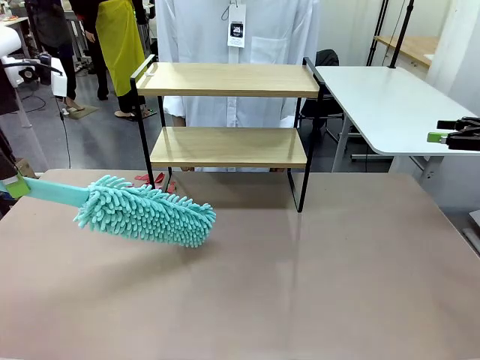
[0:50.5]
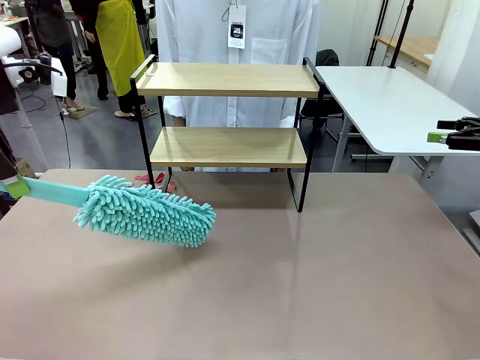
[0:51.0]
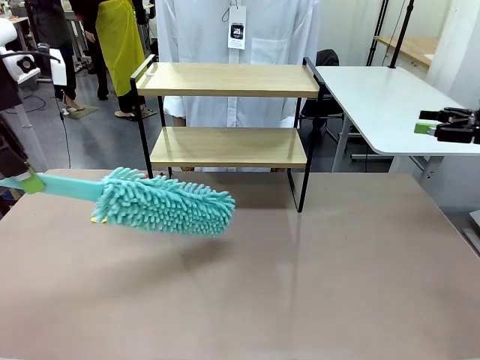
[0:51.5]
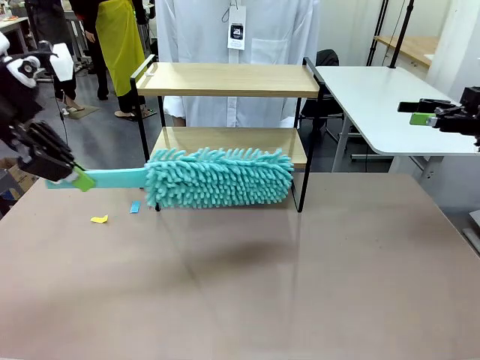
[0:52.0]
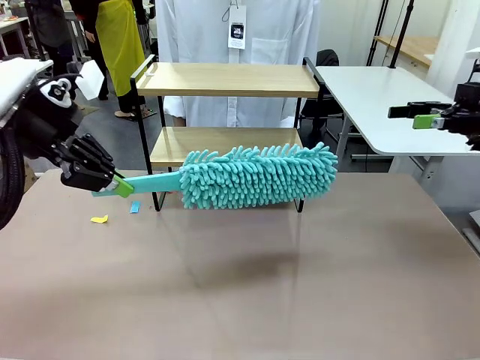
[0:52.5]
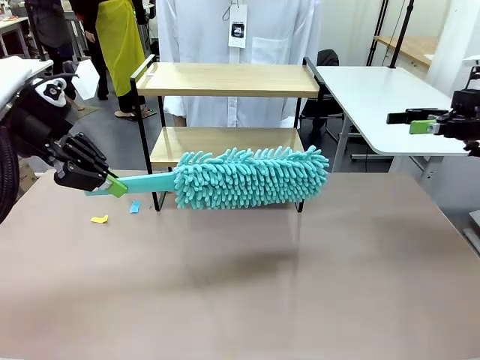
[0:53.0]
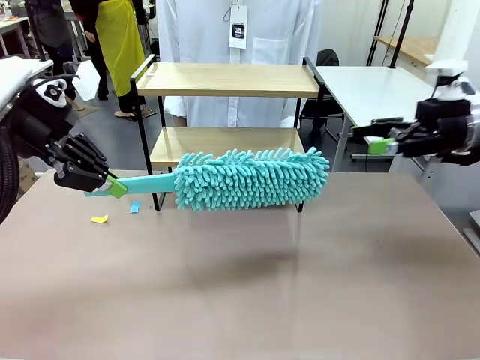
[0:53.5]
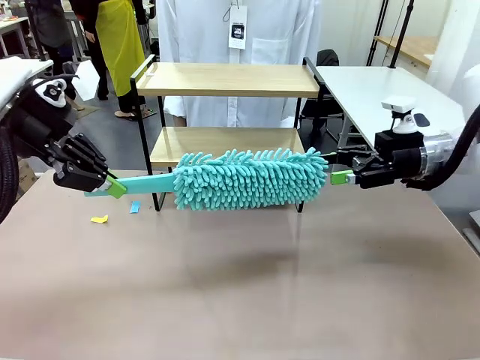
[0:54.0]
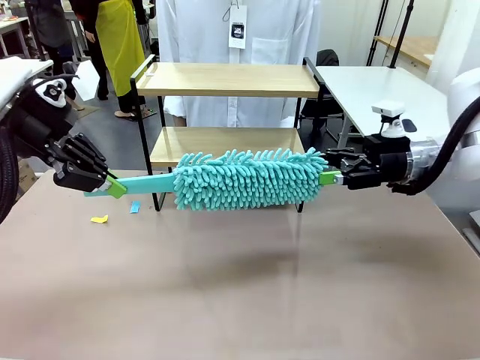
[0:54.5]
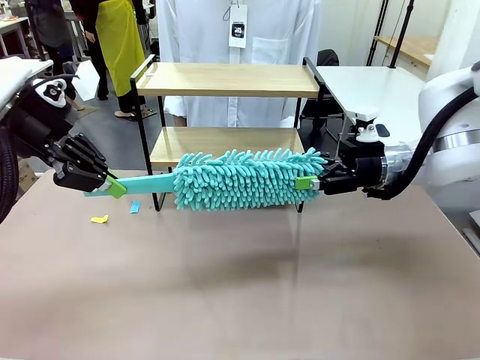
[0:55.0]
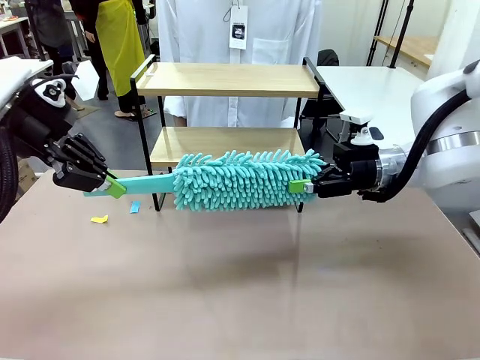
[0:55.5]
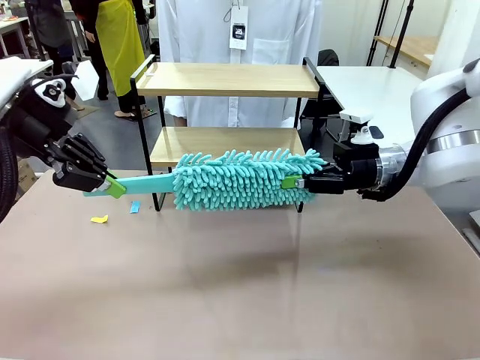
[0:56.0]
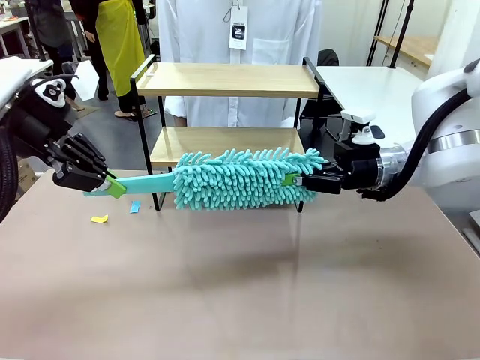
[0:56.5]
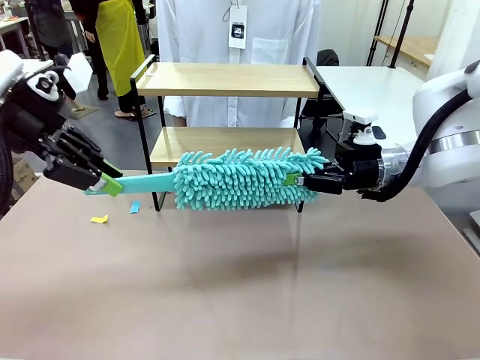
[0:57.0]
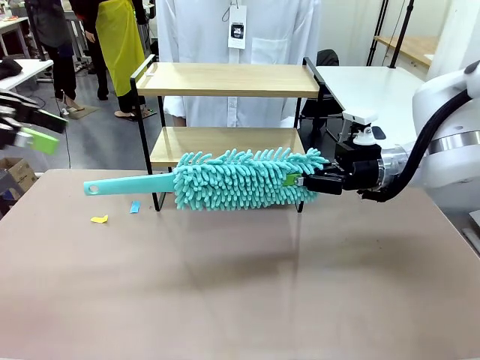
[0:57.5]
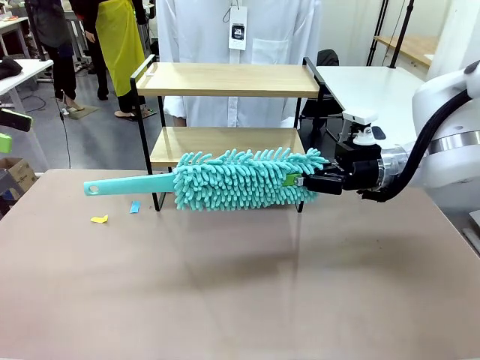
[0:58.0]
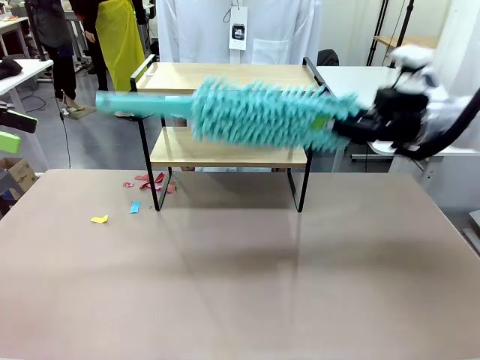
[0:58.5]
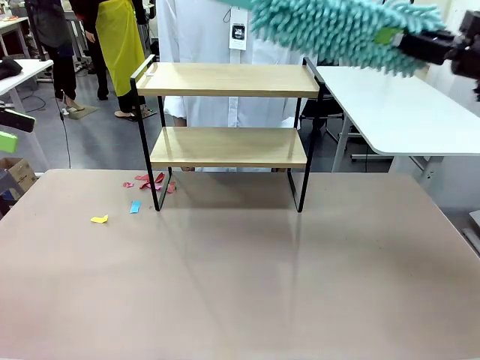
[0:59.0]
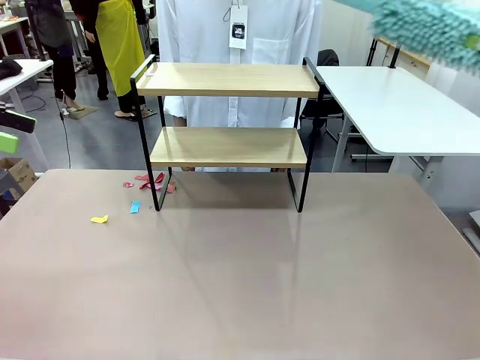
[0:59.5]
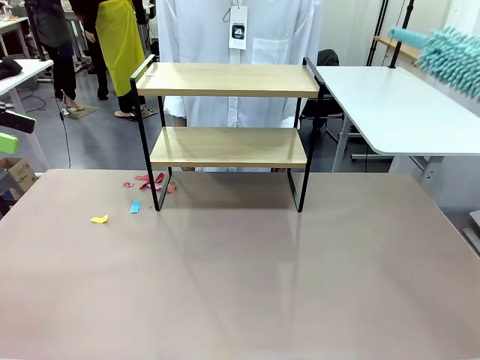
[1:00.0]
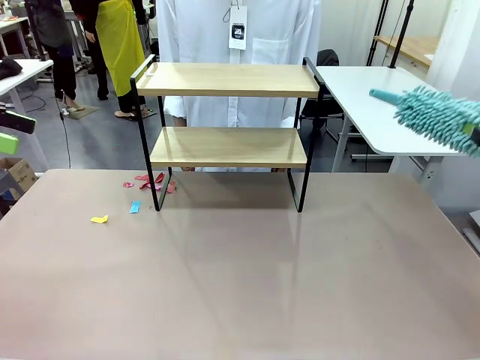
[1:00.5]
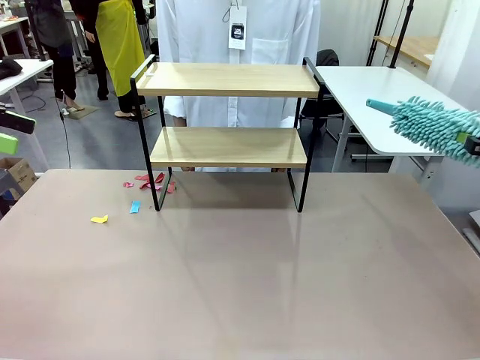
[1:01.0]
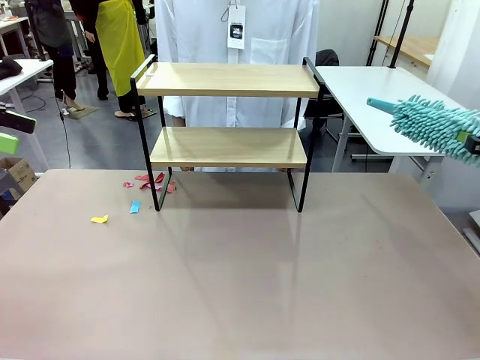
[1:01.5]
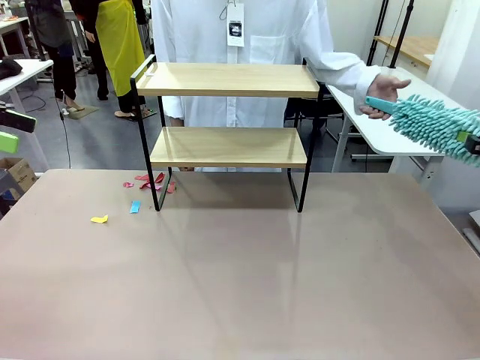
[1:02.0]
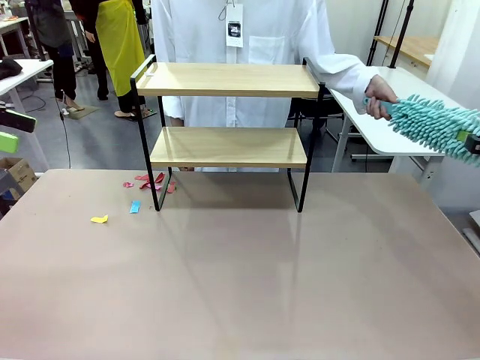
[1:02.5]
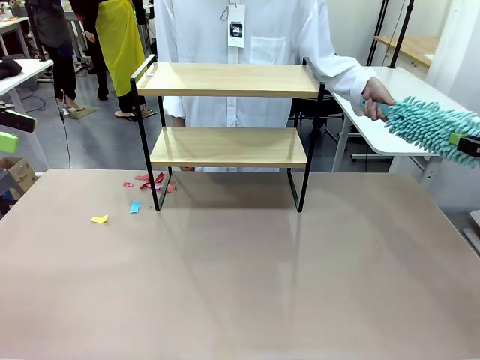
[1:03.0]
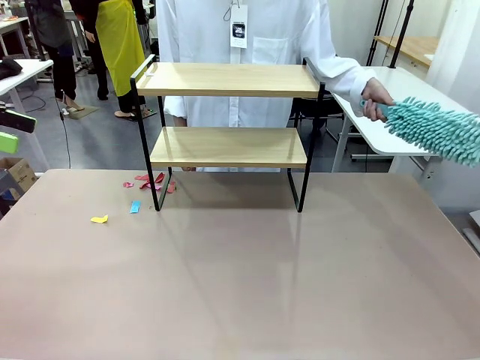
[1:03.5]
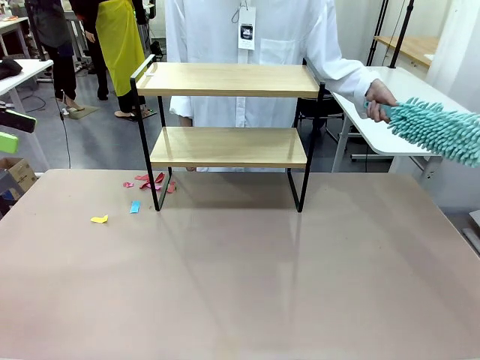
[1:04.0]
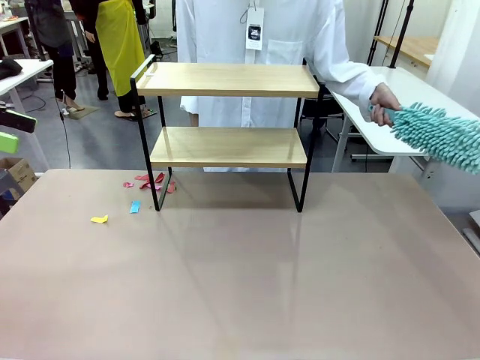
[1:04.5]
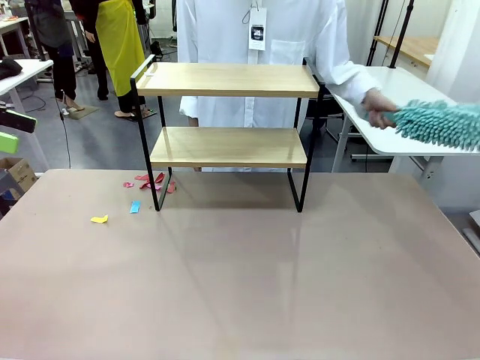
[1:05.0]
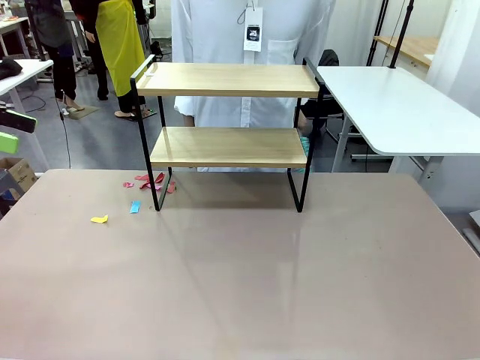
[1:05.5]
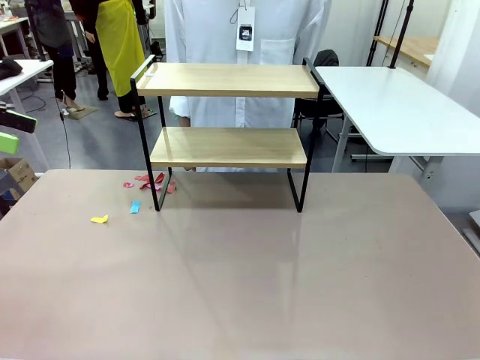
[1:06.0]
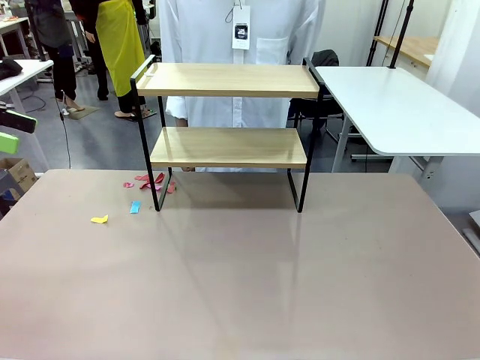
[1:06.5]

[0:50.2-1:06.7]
Task: Clean the shelf.
Robot: Hand the Duster back to the human.
Person: Receive the Duster from the robot.
